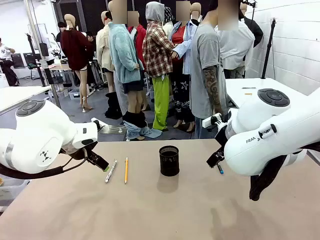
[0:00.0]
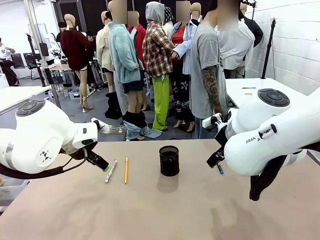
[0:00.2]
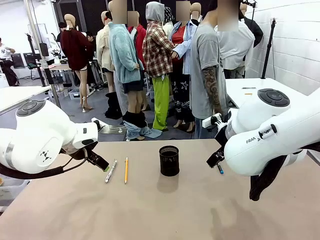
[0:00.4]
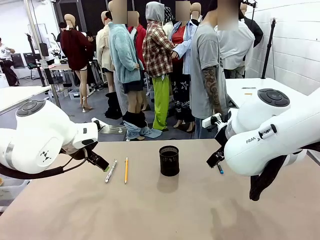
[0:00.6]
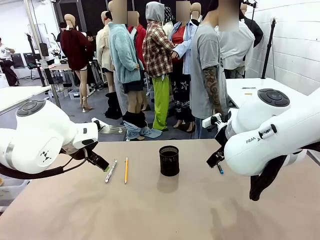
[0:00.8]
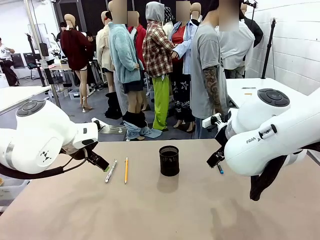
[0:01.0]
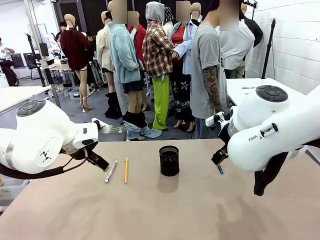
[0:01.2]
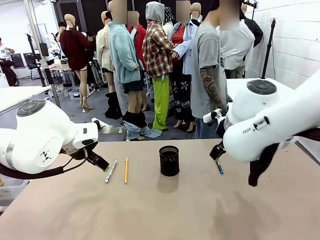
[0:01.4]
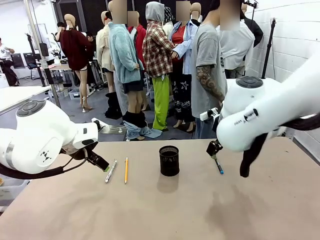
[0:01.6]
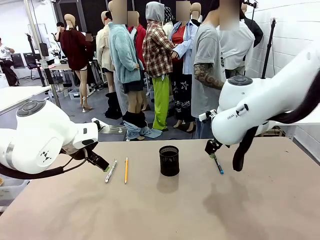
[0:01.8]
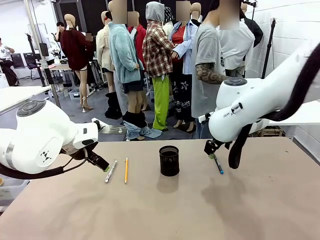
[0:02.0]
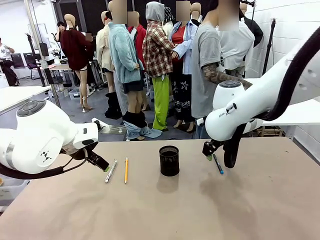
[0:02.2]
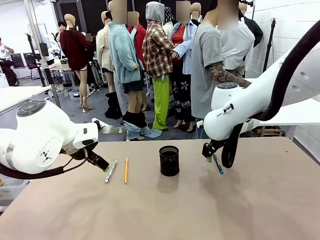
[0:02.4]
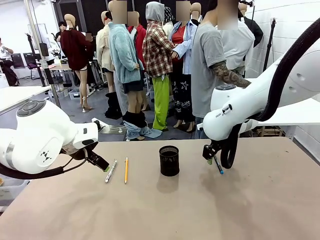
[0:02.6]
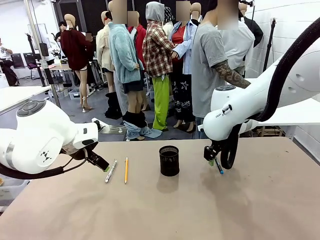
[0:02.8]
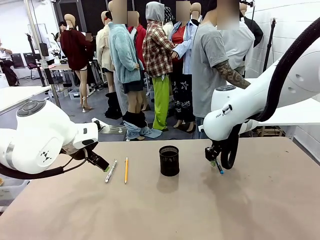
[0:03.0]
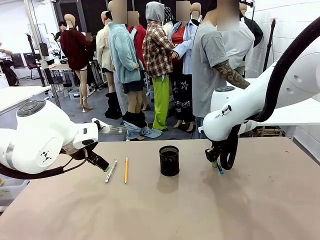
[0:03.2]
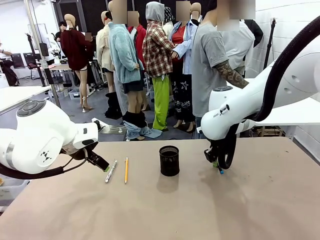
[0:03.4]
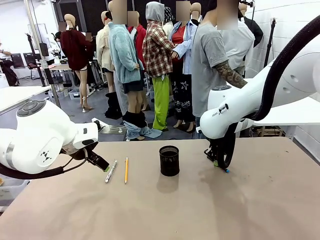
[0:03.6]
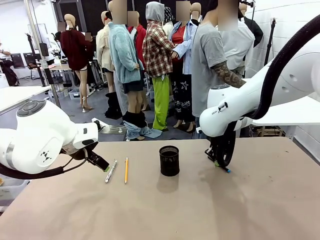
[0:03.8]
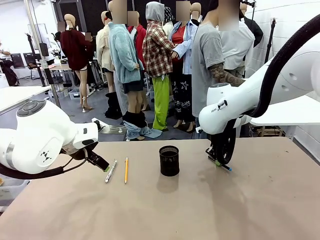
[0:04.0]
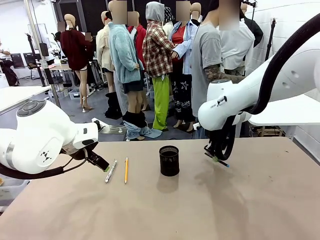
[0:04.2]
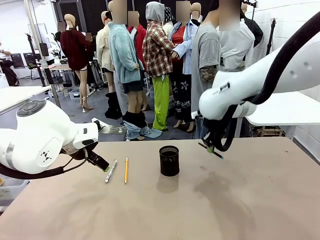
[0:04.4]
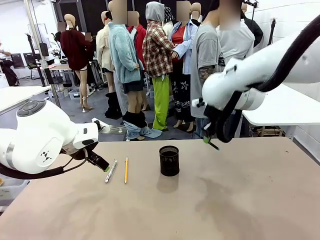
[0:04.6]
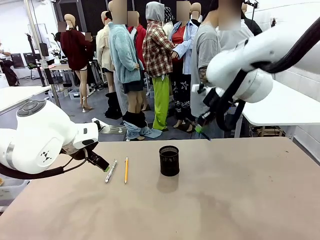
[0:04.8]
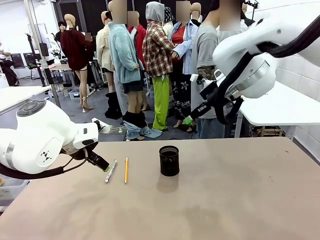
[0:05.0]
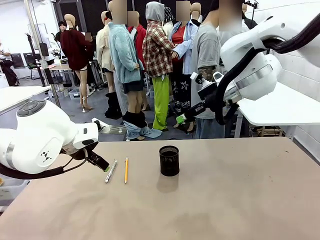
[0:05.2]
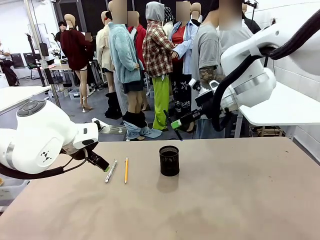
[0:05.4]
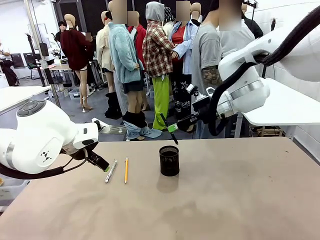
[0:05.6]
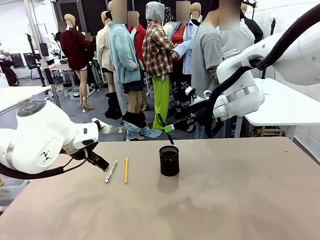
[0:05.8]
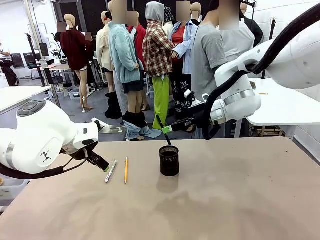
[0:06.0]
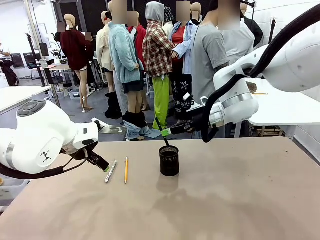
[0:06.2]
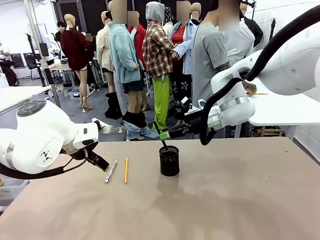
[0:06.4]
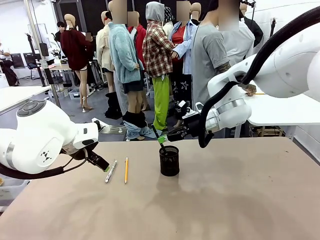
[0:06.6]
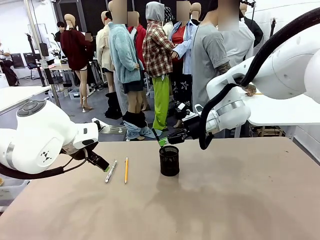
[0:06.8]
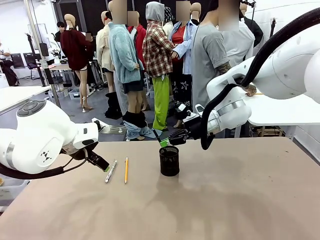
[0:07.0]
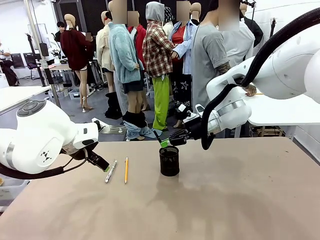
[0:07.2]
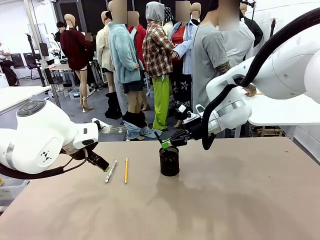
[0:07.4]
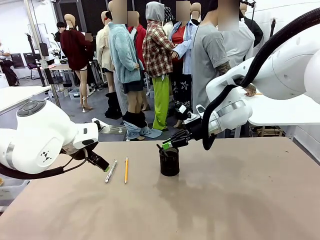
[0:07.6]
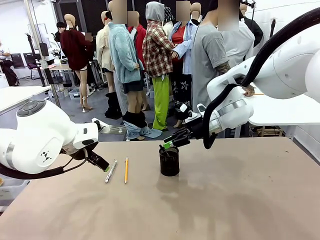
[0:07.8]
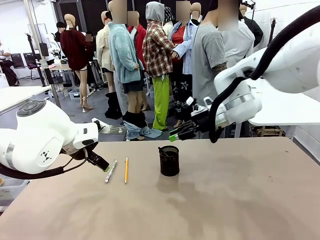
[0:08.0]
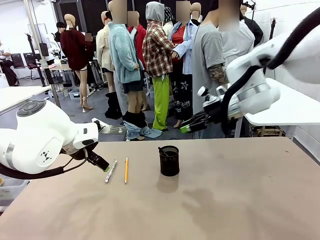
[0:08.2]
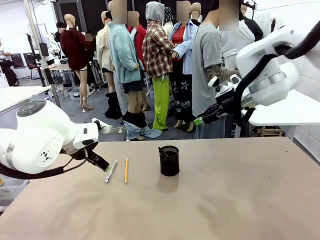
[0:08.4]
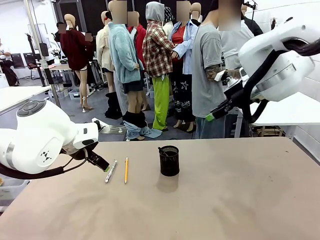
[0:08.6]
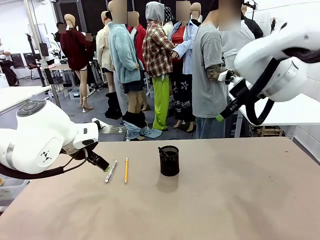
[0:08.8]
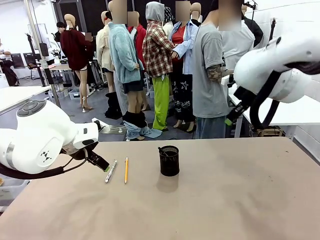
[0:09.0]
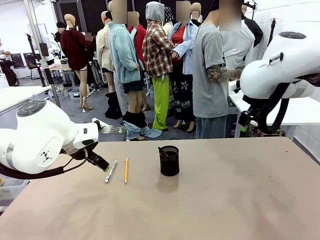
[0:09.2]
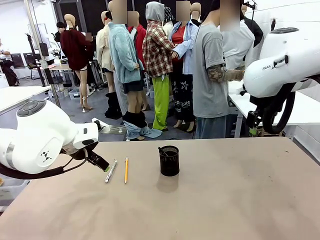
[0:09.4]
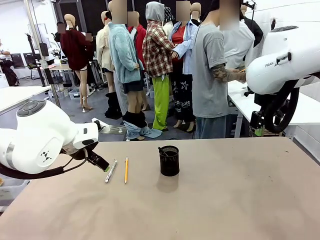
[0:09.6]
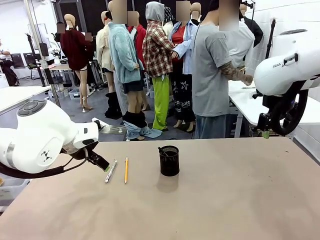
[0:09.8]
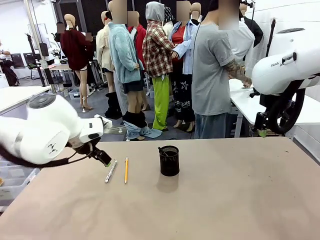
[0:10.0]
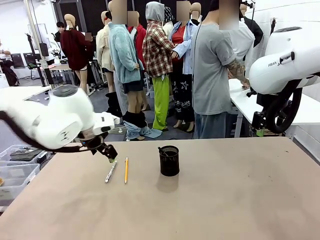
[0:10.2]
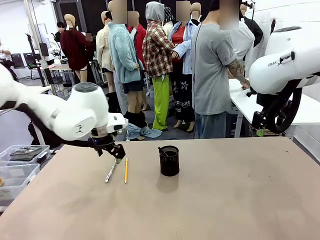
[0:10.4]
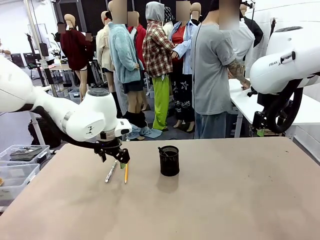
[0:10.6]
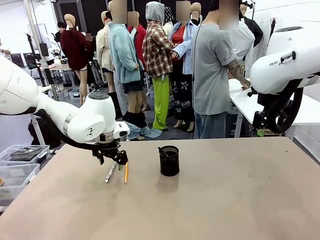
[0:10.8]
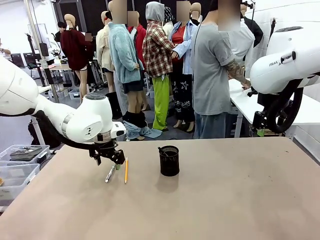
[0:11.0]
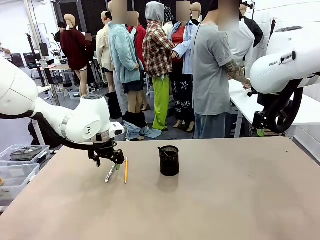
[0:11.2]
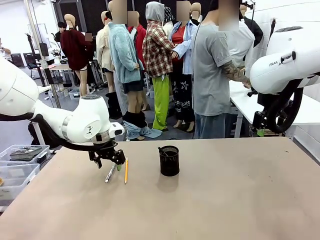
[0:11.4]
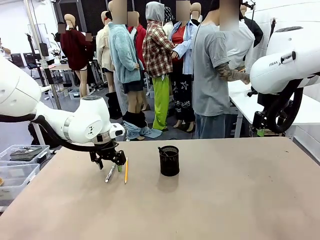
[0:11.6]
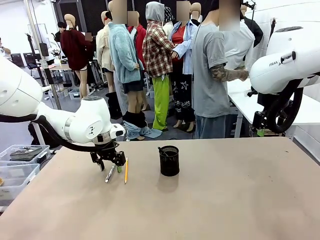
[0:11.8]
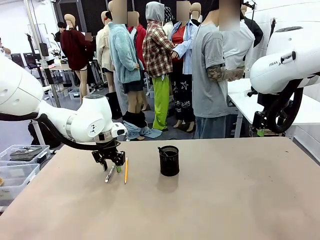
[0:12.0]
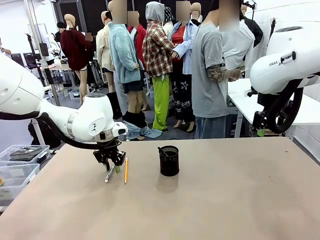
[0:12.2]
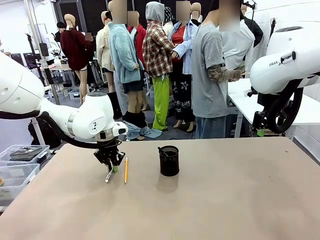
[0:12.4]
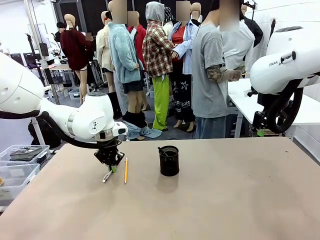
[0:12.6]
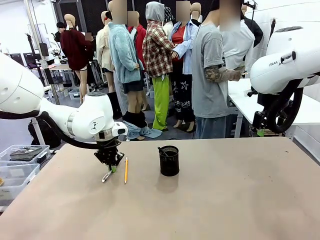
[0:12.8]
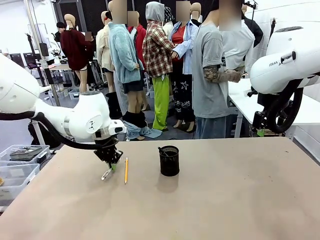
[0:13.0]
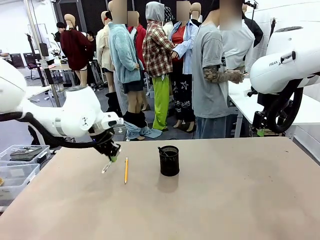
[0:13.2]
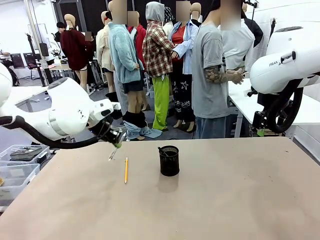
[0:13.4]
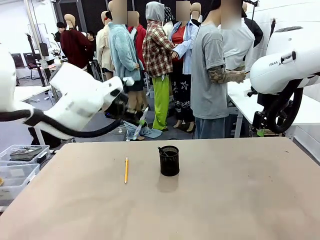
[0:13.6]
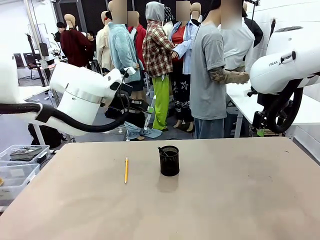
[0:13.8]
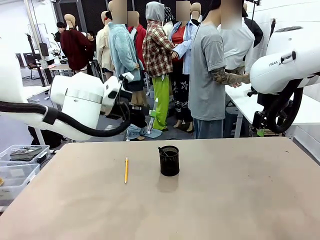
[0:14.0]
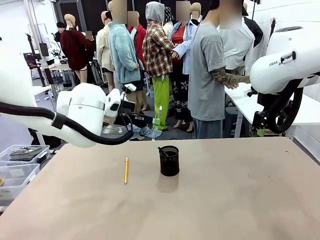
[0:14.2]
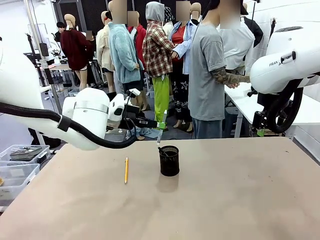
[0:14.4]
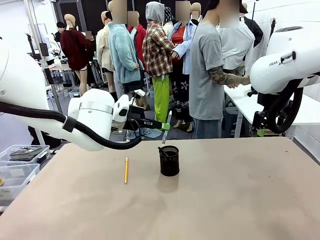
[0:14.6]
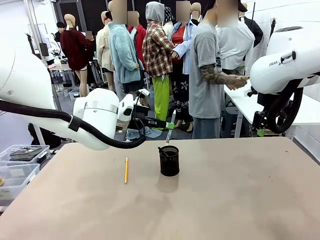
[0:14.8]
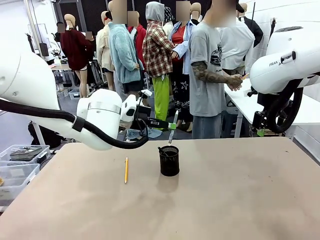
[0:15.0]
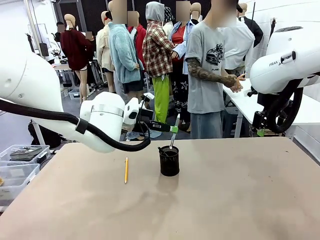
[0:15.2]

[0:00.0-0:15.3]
Task: Place the pens into the pen holder.
Robot: Pick up a writing instrument from the table and place it into the Pen holder.
Person: Pick up all writing instruments from the Human table.
